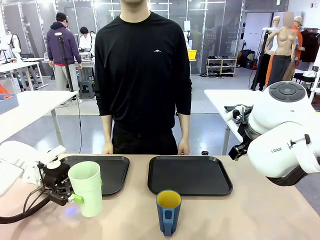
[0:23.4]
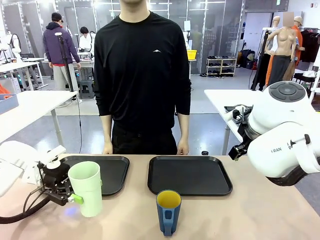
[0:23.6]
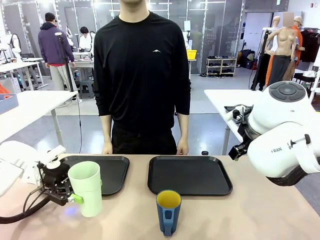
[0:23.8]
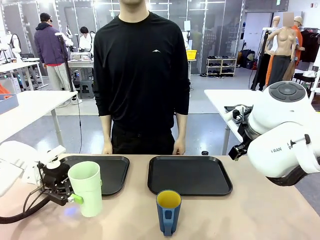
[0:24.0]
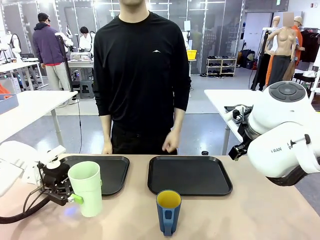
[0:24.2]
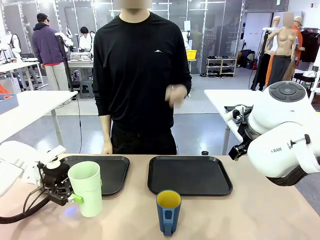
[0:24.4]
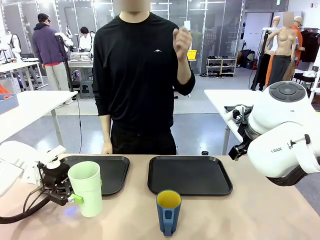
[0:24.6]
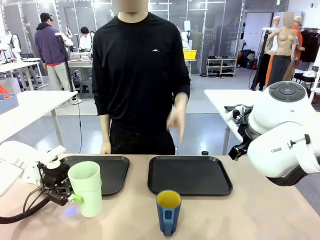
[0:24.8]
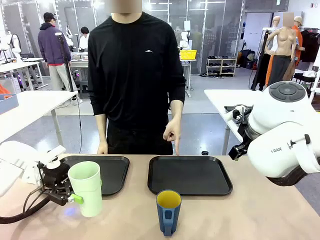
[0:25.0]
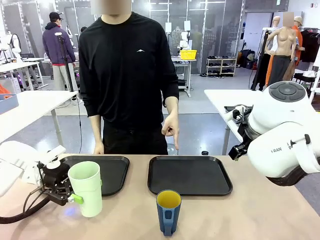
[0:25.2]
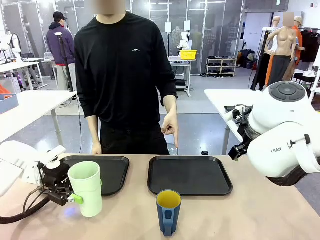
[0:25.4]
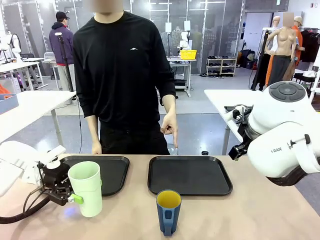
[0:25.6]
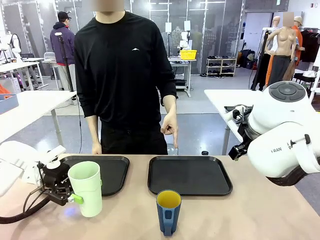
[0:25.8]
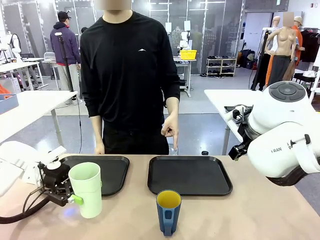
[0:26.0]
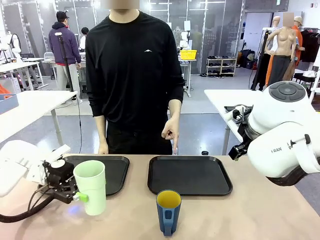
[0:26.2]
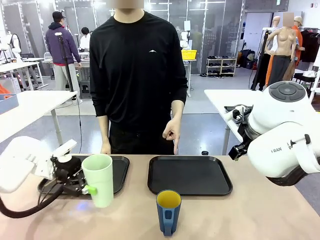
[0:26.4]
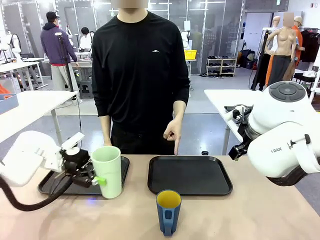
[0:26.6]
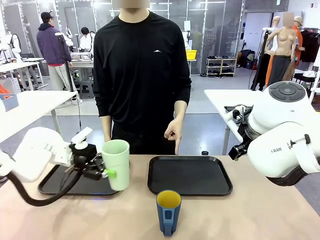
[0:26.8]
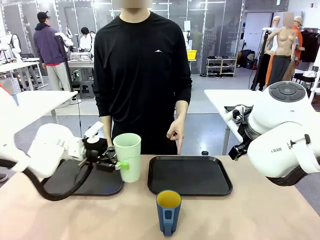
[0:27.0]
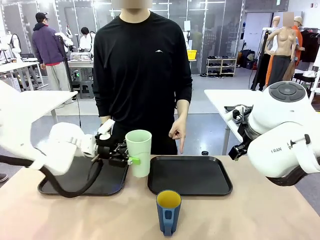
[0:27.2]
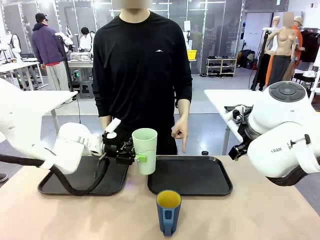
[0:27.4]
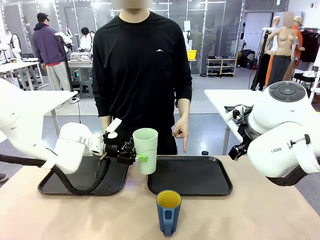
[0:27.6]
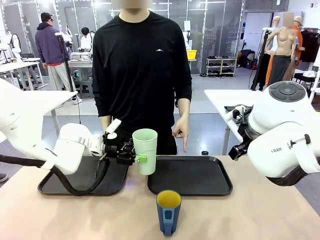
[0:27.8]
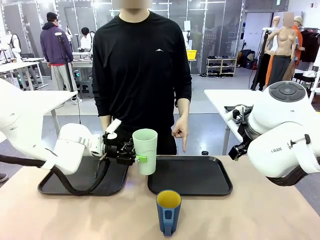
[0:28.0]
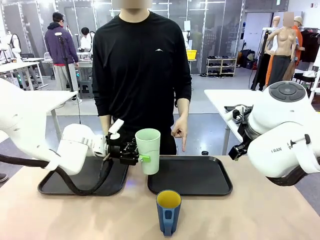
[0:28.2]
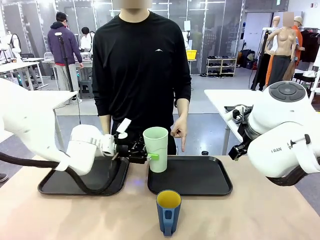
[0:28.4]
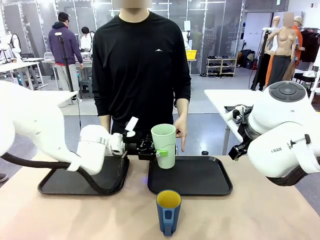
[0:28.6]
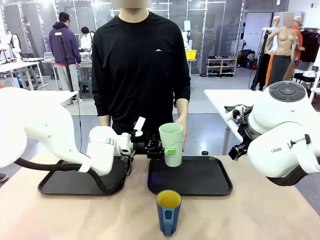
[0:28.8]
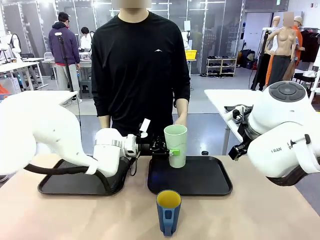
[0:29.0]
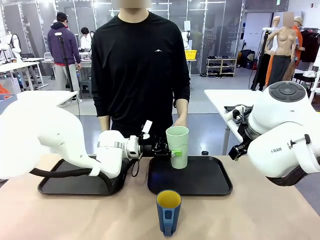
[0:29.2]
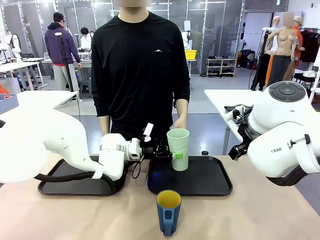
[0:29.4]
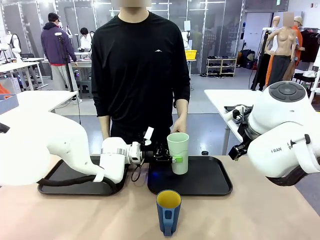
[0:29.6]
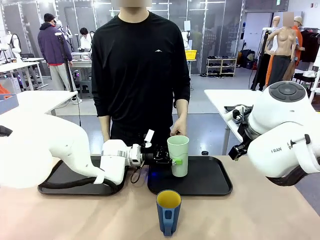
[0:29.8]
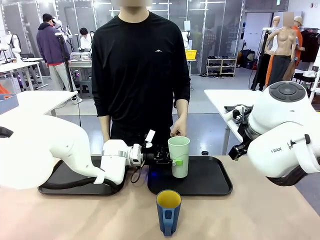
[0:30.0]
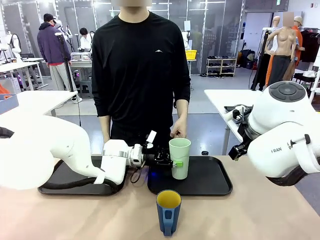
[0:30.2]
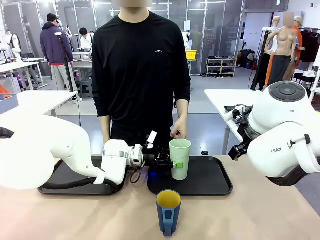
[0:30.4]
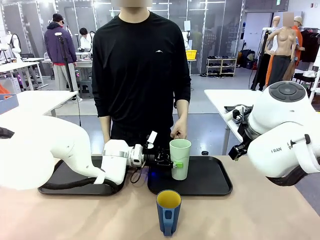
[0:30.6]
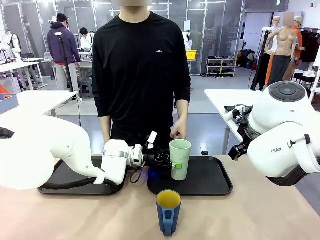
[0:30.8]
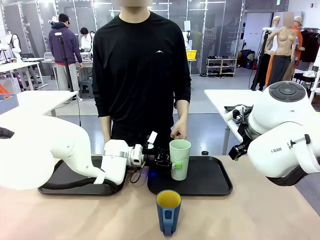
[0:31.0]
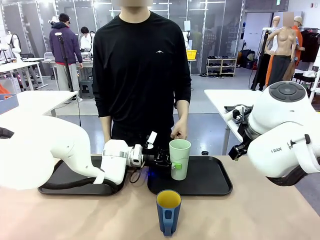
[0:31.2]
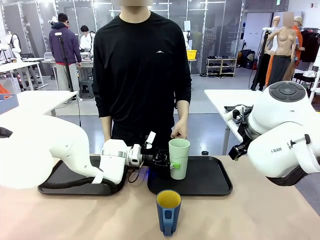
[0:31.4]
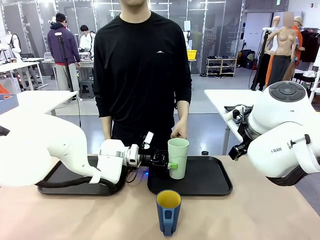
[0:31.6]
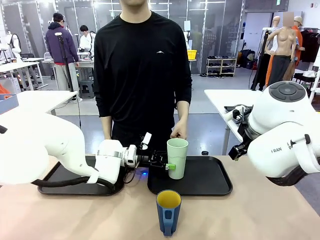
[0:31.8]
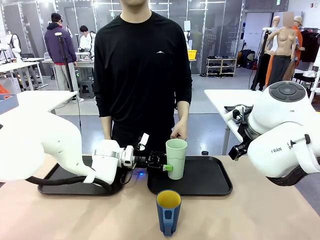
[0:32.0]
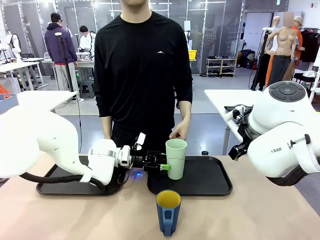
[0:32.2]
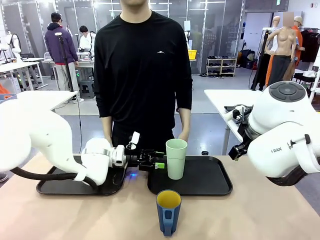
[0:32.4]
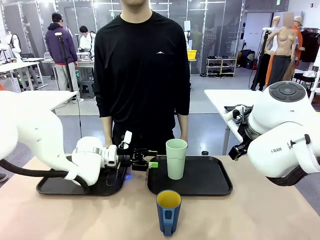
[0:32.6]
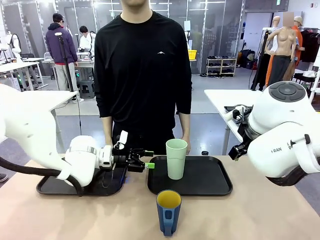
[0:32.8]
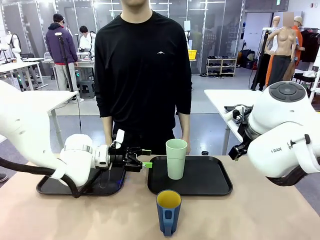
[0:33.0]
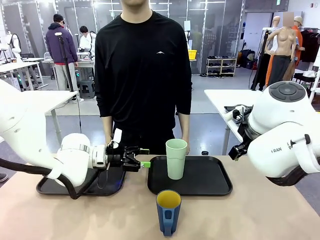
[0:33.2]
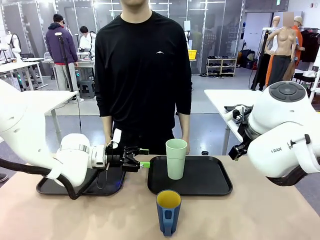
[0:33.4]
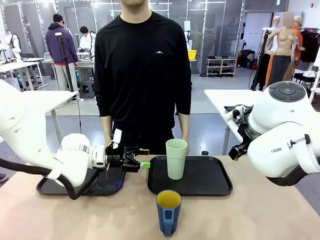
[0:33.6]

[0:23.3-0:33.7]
Task: Sort and store the cups by type.
Robot: Place the picked Reusable plastic cup into the Flat Tray indicated by the person.

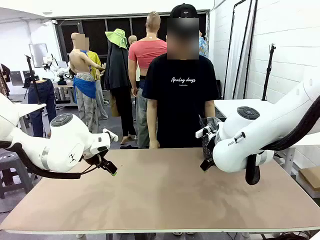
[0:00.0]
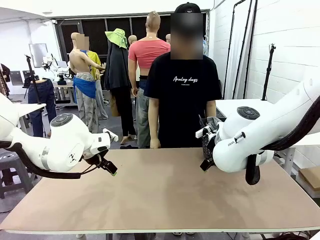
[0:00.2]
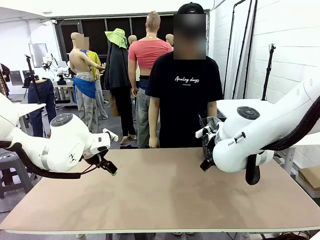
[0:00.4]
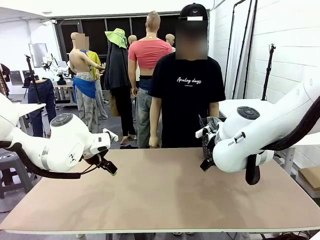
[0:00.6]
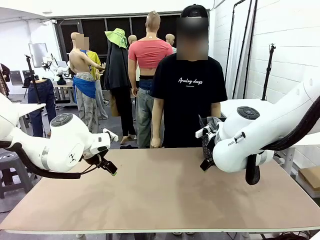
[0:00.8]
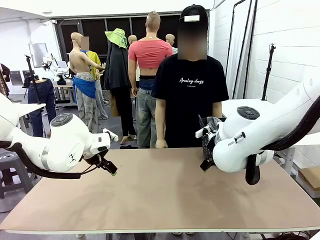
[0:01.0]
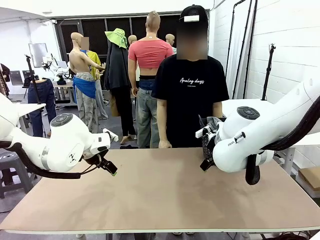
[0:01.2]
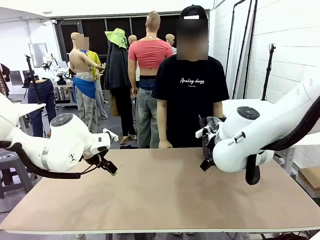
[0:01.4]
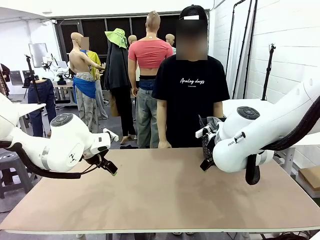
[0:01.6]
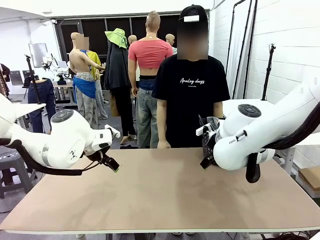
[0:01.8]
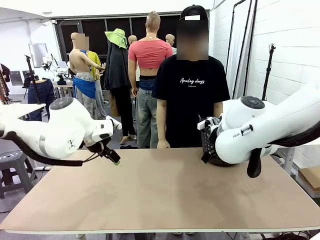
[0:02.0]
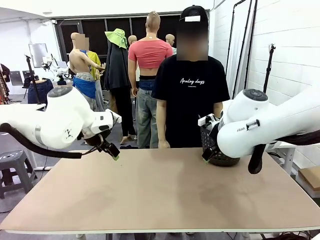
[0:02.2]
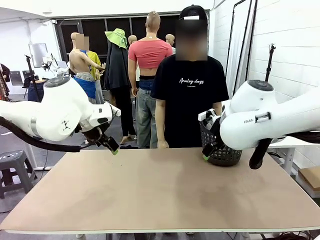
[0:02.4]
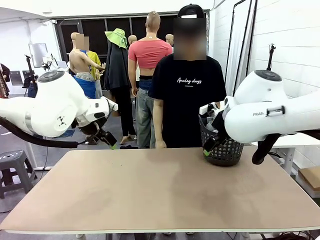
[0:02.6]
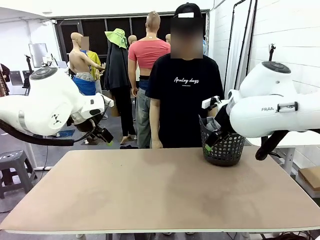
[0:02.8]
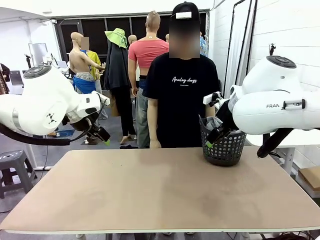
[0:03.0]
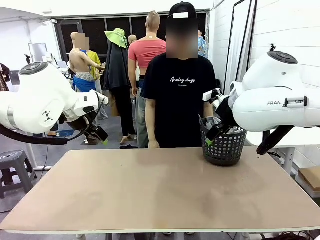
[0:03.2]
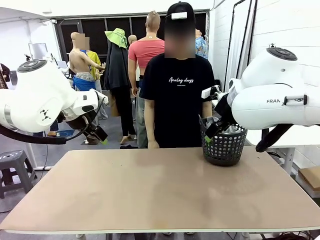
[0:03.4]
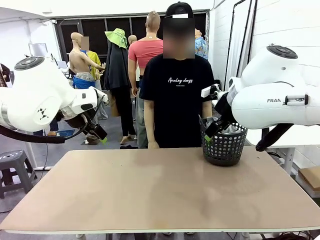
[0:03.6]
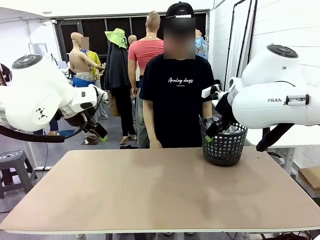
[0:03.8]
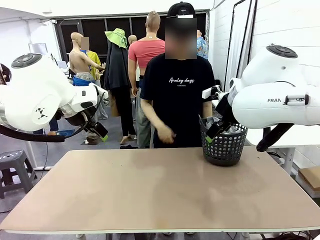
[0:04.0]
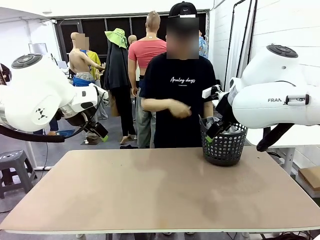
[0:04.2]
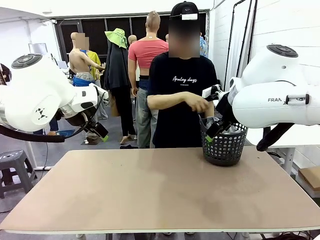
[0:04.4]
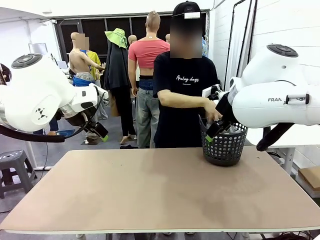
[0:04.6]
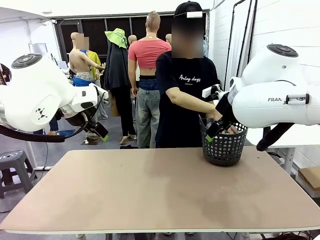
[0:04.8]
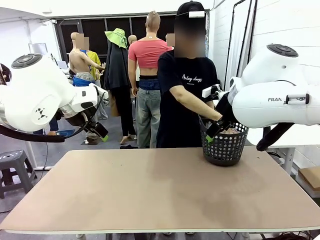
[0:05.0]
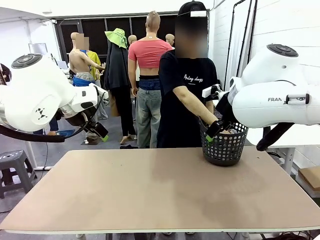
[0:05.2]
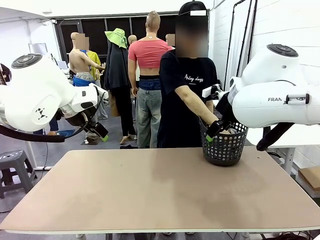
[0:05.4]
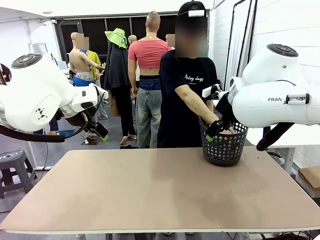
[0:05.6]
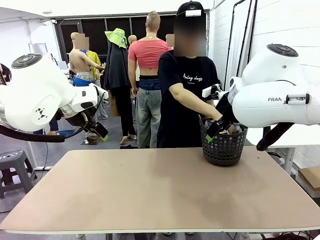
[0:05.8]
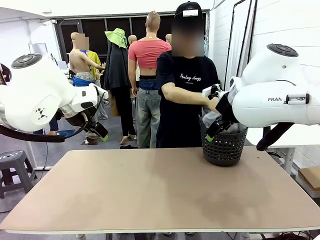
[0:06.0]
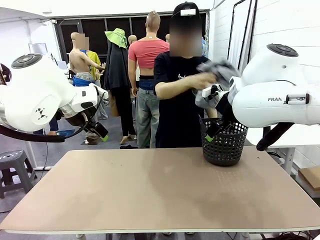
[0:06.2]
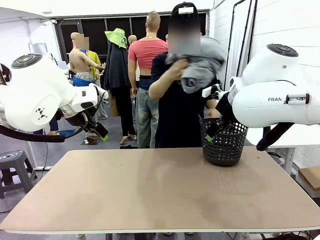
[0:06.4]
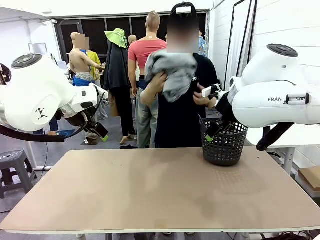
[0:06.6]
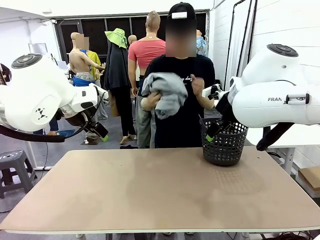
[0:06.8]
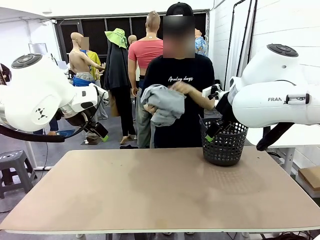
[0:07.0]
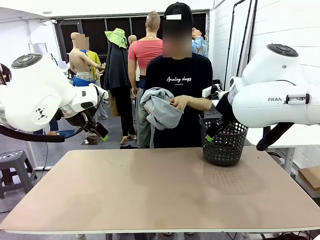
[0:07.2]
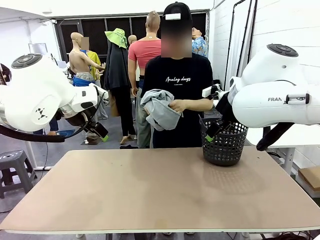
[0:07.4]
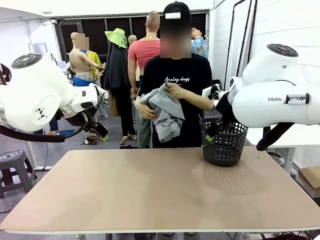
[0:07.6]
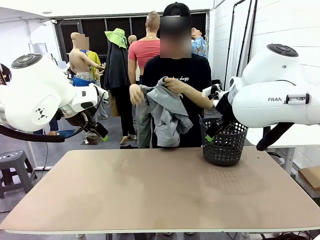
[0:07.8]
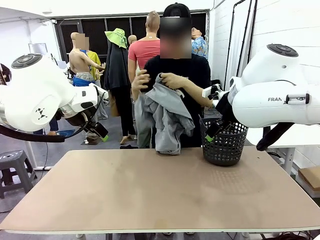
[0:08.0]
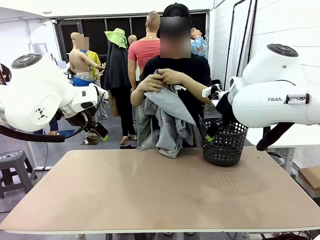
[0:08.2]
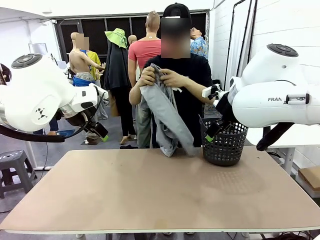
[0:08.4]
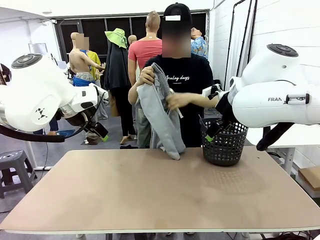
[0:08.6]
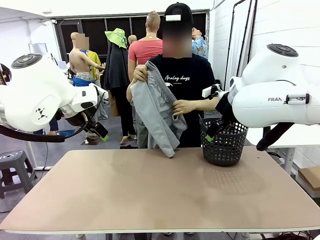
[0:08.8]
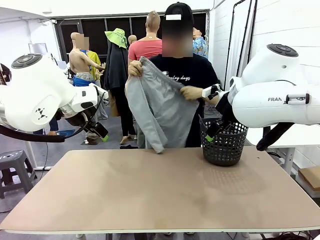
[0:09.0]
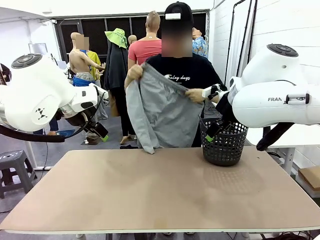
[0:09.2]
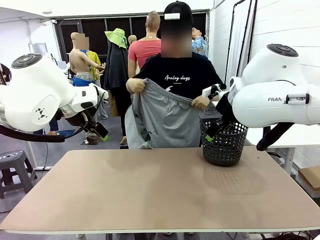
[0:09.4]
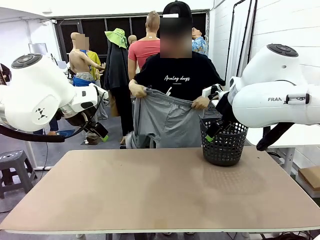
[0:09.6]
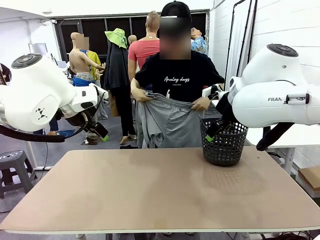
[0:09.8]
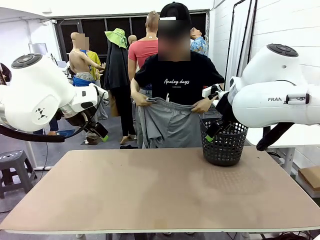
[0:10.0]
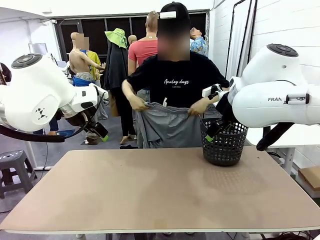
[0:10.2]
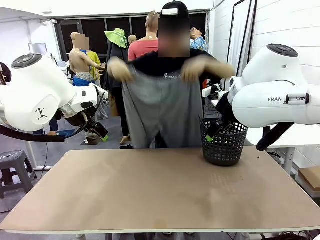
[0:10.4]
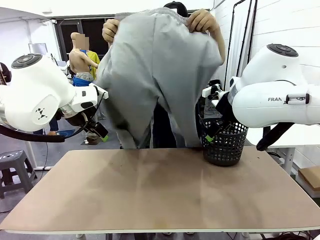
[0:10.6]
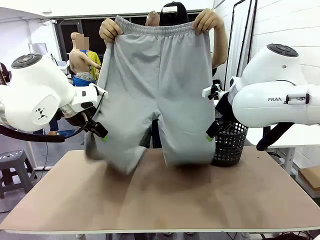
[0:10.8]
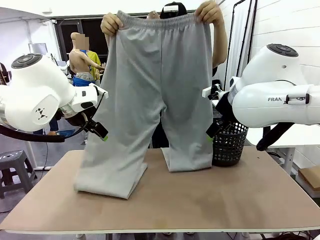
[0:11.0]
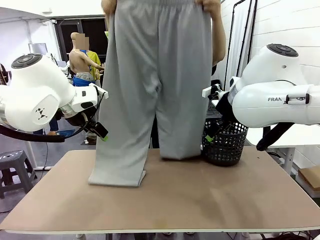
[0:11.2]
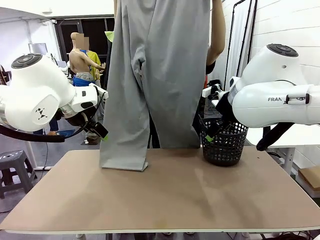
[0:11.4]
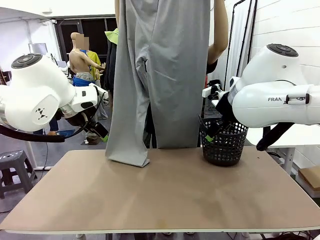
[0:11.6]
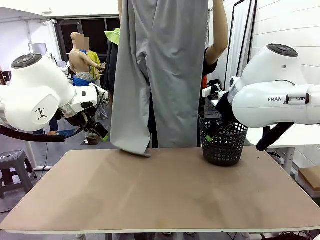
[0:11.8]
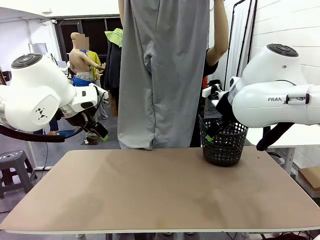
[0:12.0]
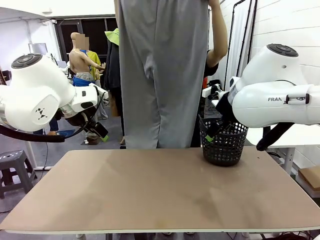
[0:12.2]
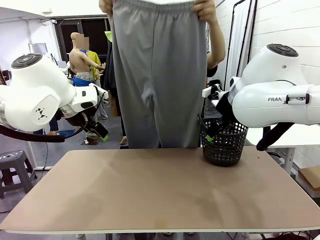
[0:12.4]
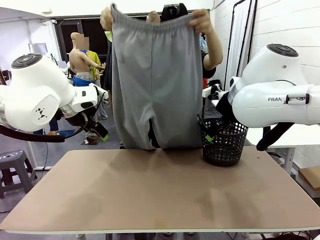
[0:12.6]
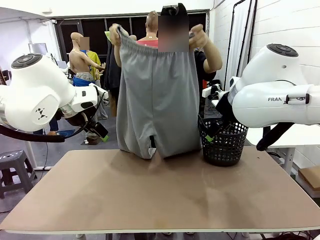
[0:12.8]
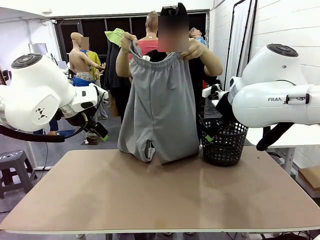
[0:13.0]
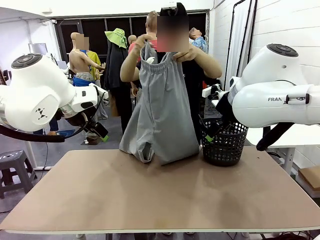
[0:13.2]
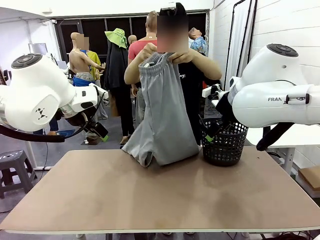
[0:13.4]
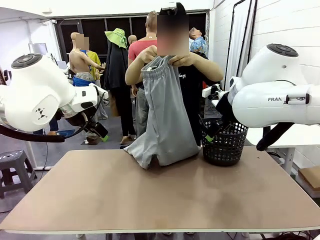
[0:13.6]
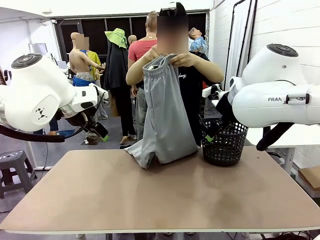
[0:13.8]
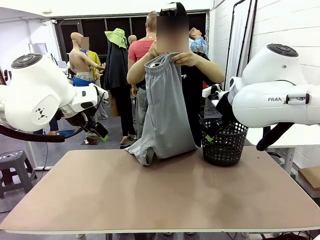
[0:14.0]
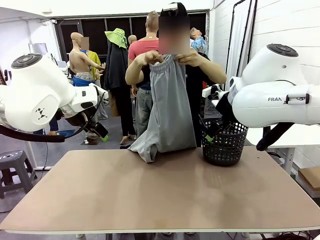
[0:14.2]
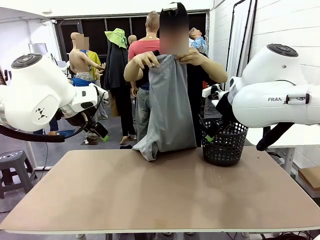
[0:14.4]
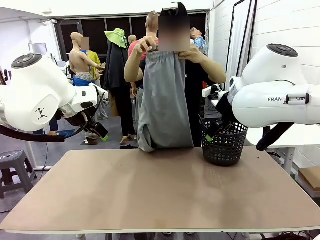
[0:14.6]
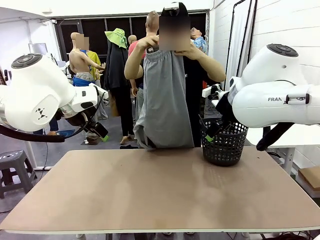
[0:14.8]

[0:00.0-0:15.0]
Task: Fold the training pants.
Robot: Grab both ends of the Training pants handed by a person.
Person: Take the long pants out of the laundry basket, unfold them, fold the waist in half, and extend them so the robot can pick up both corners.
